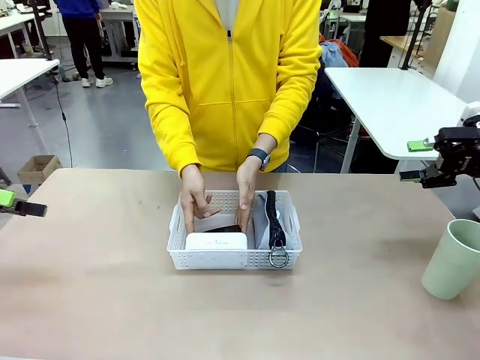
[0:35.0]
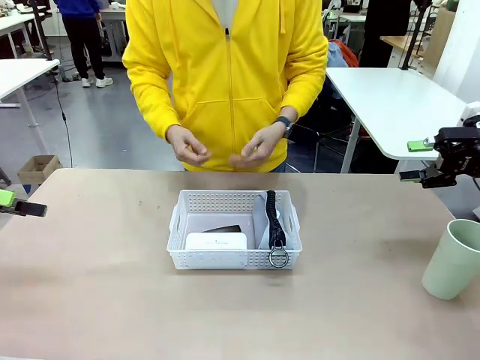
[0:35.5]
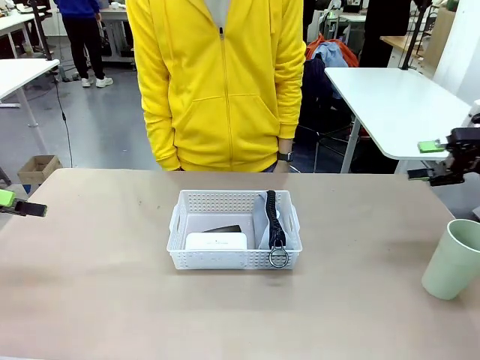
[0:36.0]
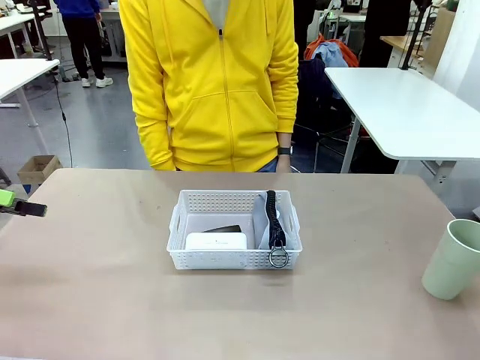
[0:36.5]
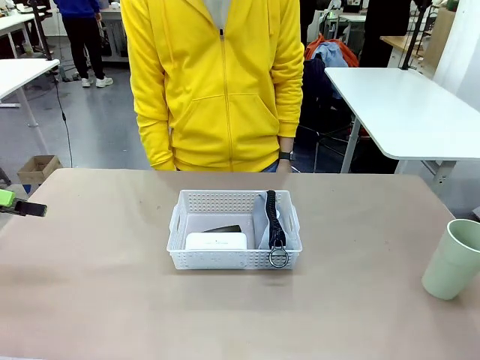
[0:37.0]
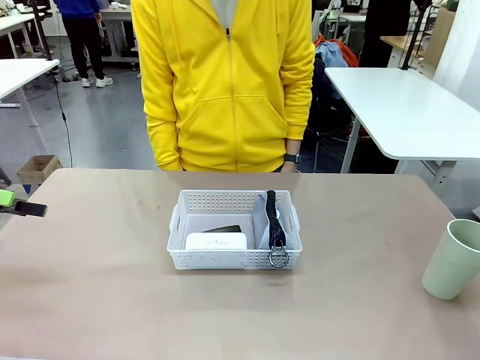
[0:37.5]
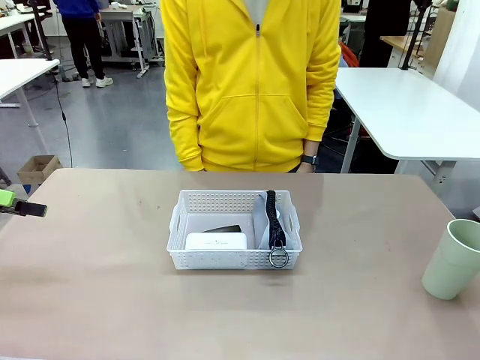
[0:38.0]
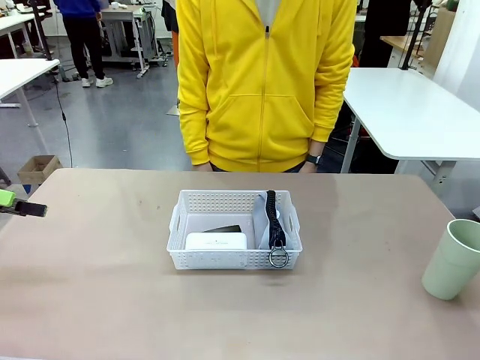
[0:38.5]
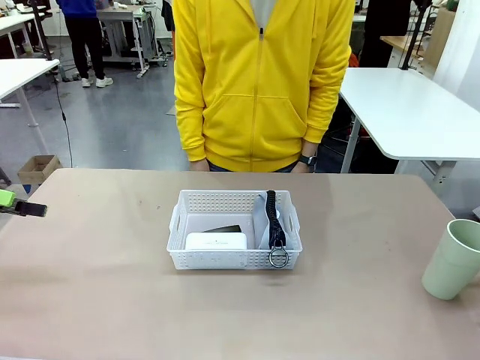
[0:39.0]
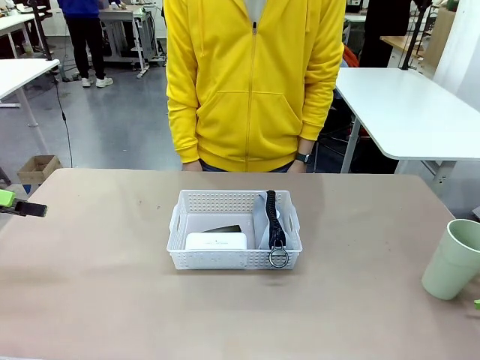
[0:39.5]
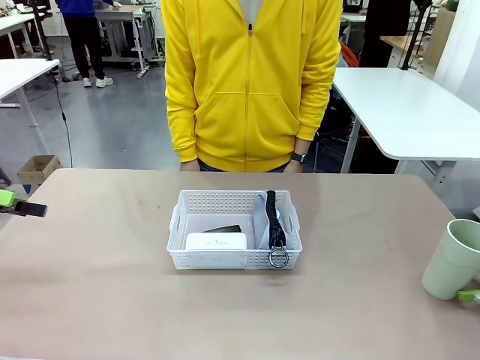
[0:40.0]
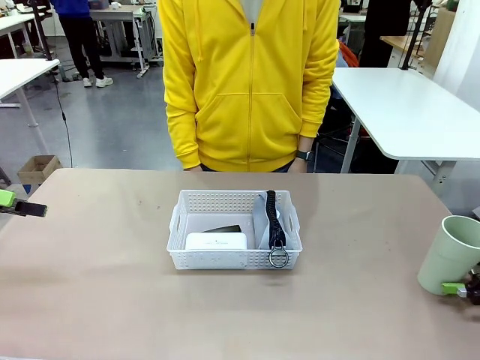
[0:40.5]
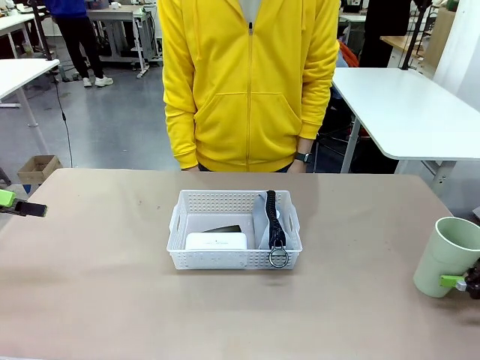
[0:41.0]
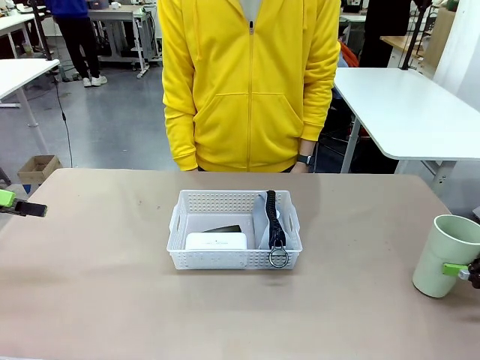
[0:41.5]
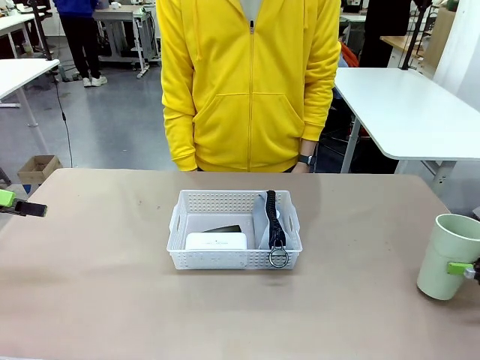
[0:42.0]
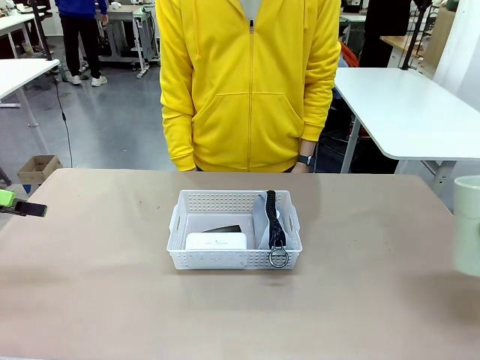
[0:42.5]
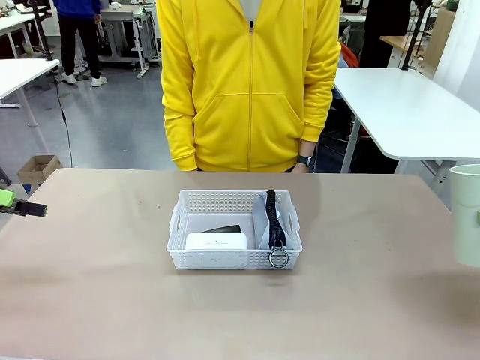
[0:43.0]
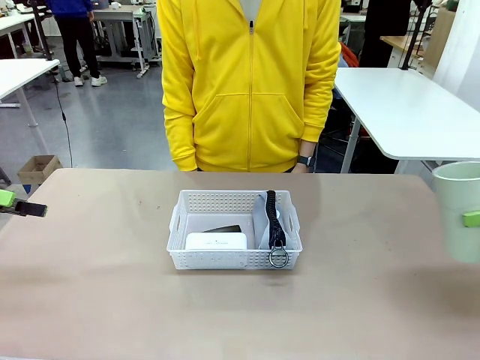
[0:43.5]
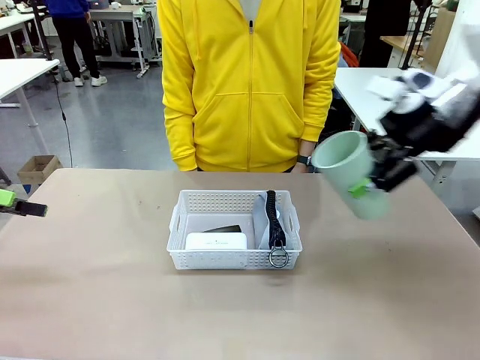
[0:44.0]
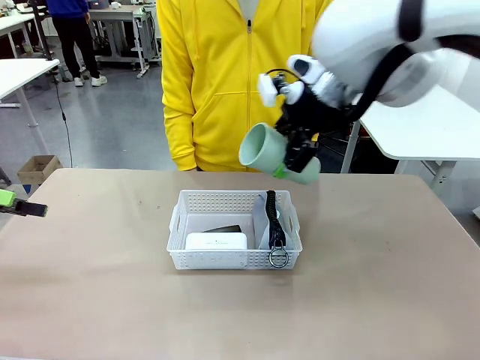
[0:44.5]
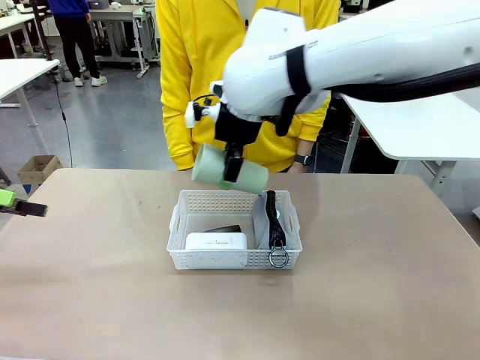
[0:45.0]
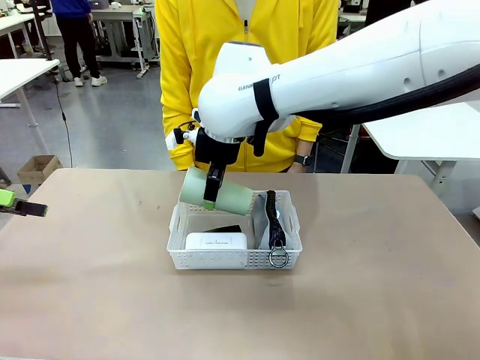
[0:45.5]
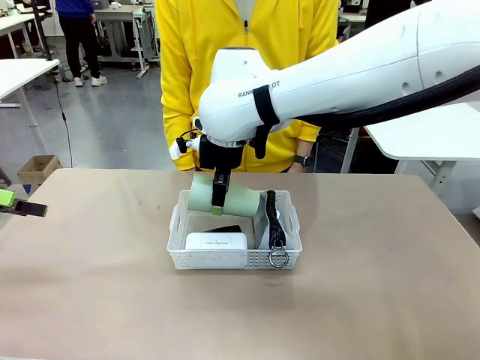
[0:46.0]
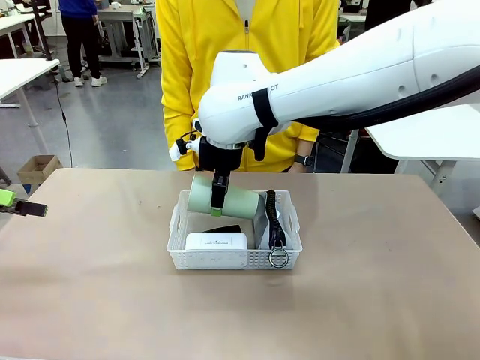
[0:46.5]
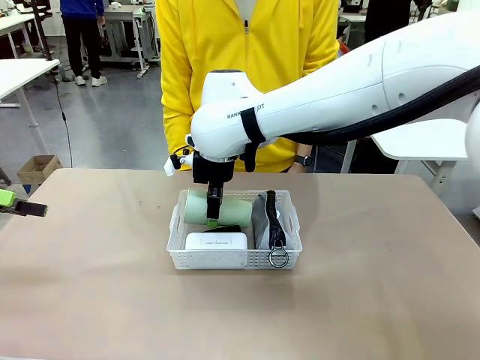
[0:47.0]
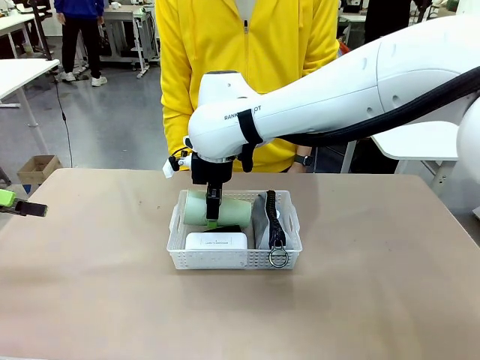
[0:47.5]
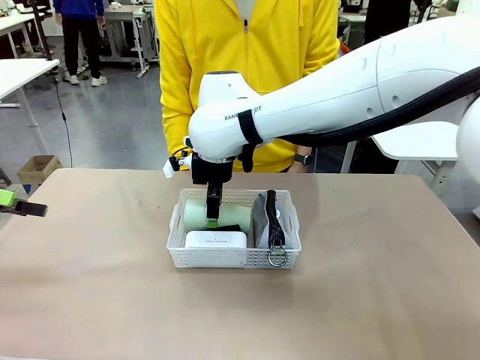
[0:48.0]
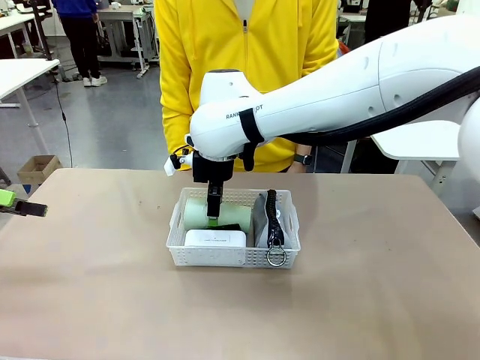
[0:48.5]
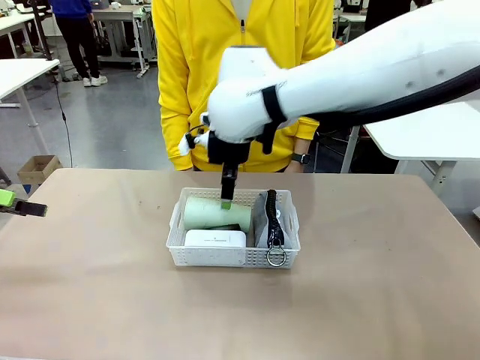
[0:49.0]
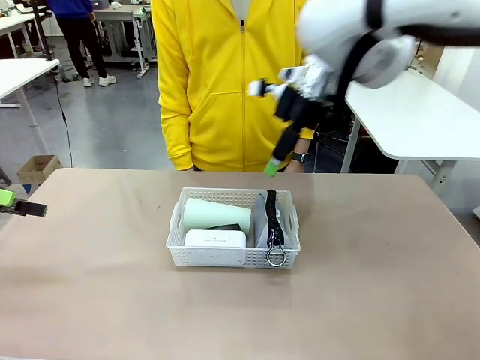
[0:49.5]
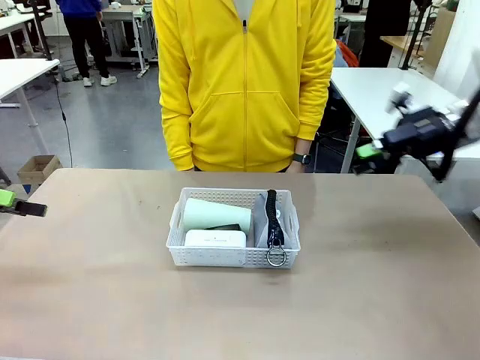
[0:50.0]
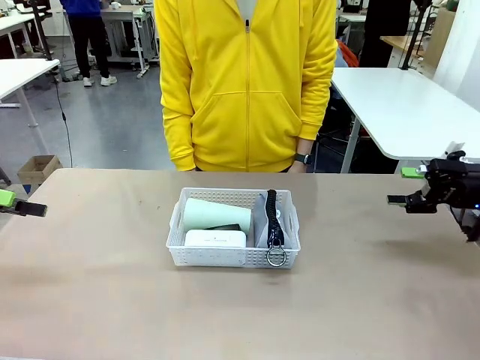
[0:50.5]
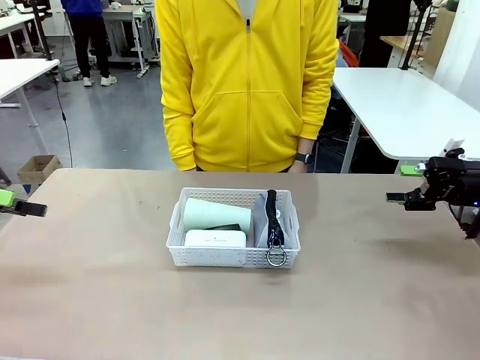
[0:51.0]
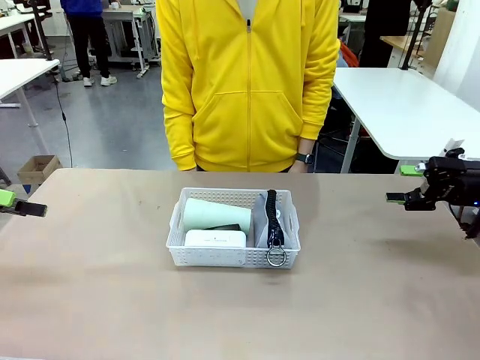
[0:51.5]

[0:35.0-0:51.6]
Task: Efficiently arrange items inside the basket to fit them all.
Robot: Pick up the Reusable plastic cup and place it inside the Organizing basket.
Person: Repositions the stapler.
